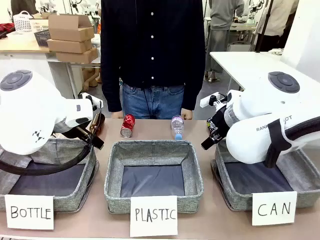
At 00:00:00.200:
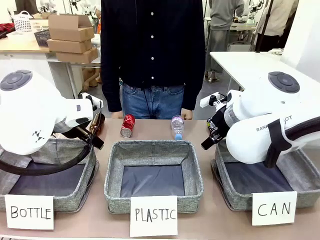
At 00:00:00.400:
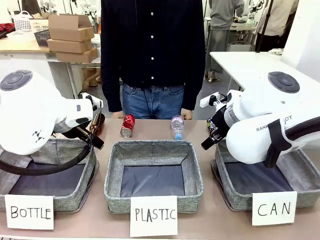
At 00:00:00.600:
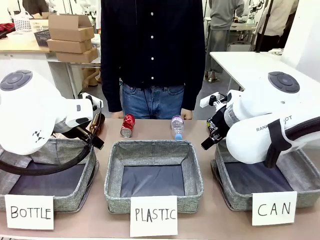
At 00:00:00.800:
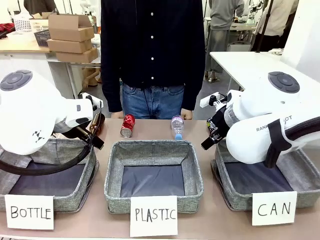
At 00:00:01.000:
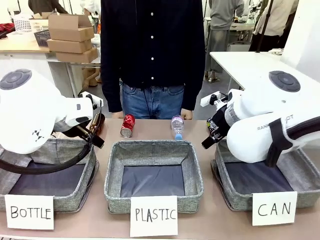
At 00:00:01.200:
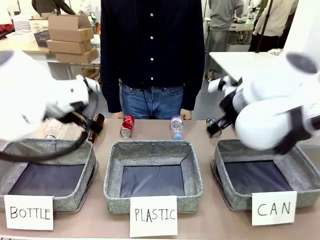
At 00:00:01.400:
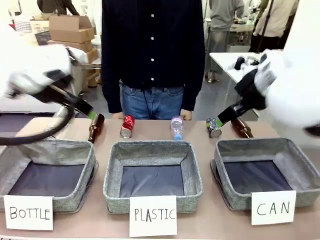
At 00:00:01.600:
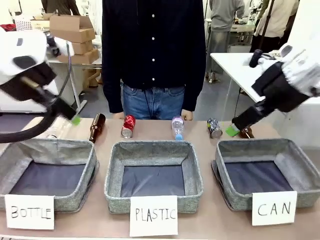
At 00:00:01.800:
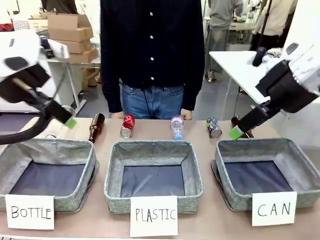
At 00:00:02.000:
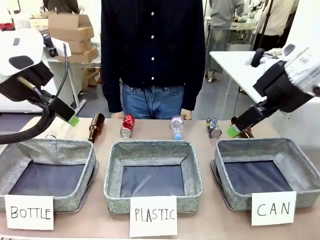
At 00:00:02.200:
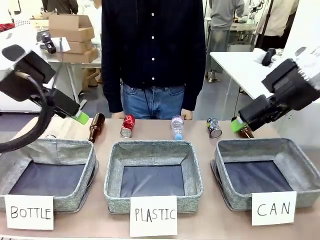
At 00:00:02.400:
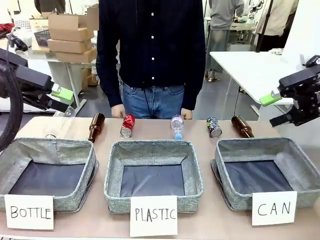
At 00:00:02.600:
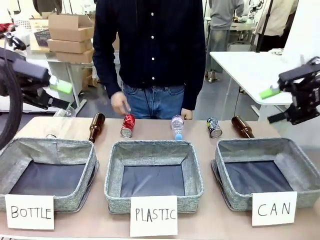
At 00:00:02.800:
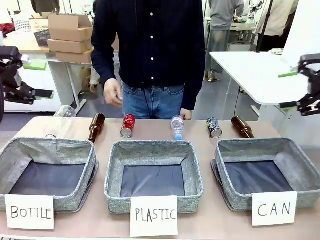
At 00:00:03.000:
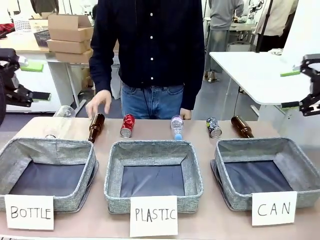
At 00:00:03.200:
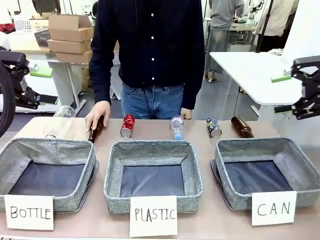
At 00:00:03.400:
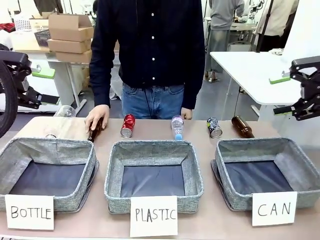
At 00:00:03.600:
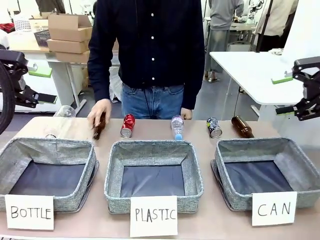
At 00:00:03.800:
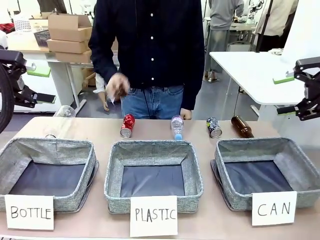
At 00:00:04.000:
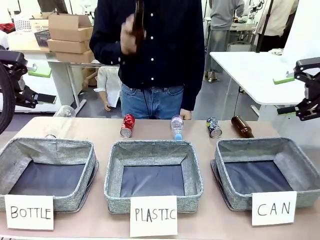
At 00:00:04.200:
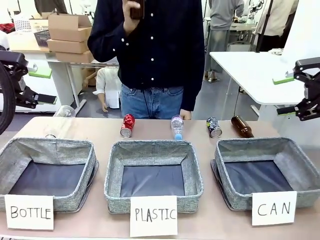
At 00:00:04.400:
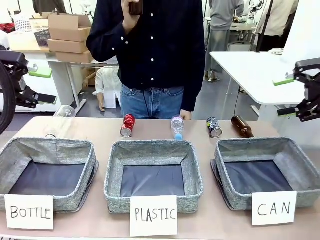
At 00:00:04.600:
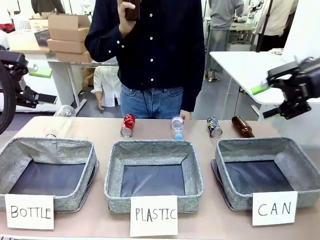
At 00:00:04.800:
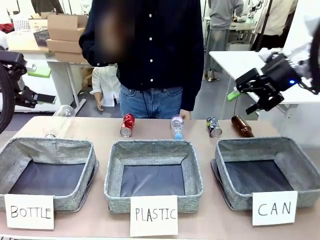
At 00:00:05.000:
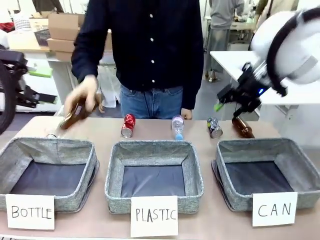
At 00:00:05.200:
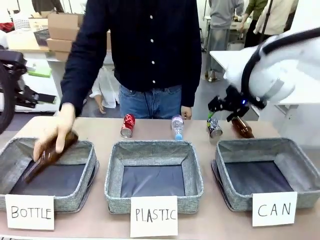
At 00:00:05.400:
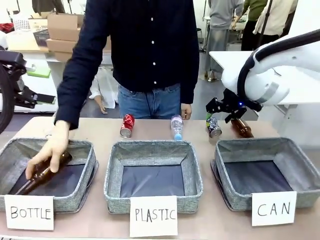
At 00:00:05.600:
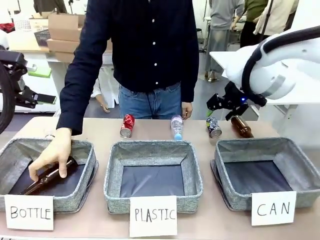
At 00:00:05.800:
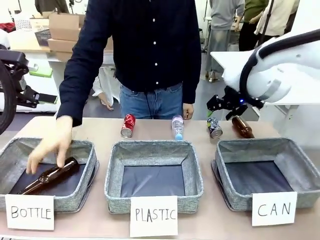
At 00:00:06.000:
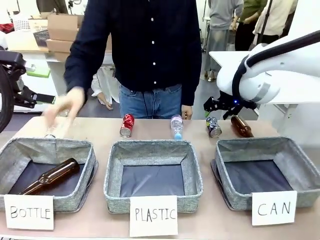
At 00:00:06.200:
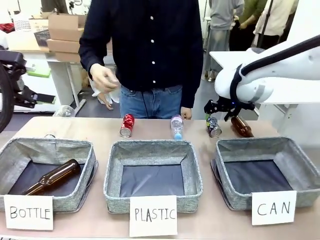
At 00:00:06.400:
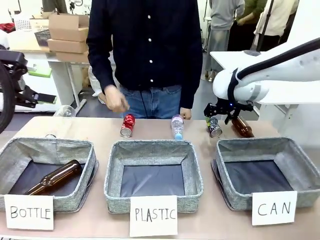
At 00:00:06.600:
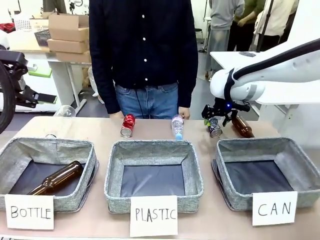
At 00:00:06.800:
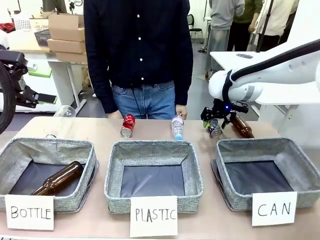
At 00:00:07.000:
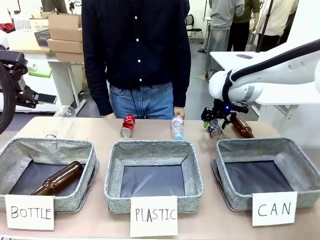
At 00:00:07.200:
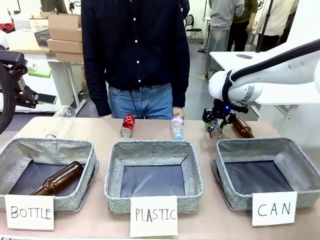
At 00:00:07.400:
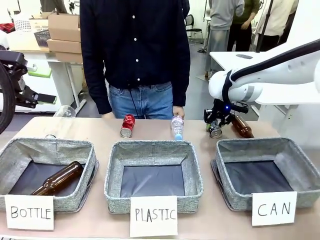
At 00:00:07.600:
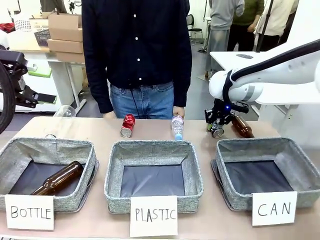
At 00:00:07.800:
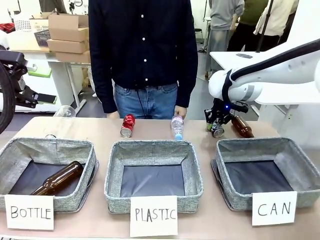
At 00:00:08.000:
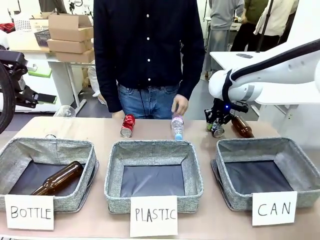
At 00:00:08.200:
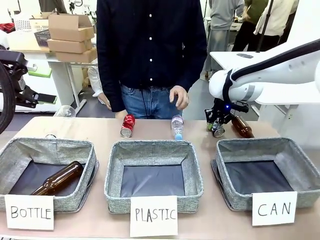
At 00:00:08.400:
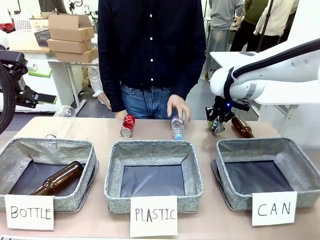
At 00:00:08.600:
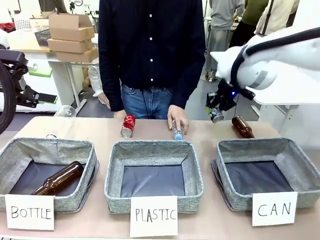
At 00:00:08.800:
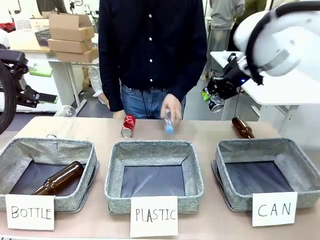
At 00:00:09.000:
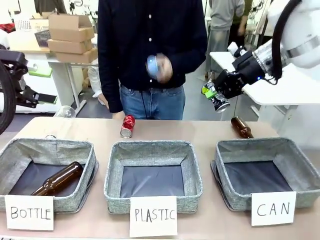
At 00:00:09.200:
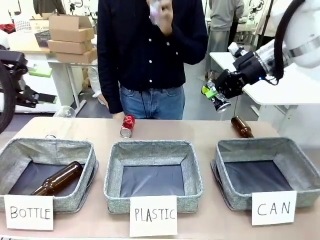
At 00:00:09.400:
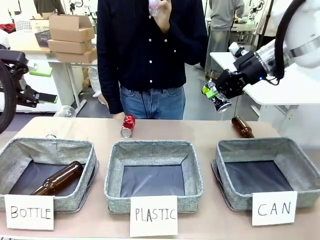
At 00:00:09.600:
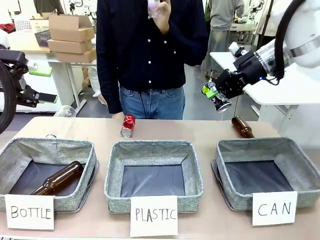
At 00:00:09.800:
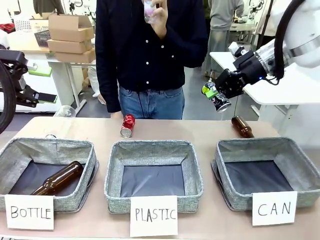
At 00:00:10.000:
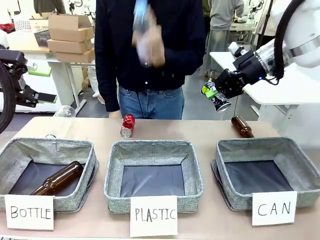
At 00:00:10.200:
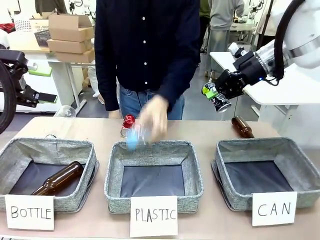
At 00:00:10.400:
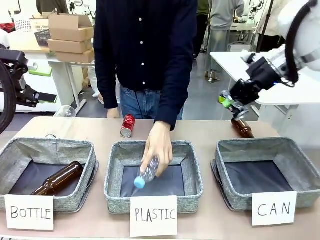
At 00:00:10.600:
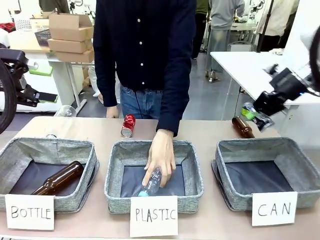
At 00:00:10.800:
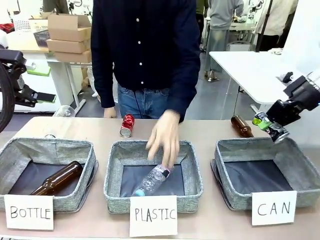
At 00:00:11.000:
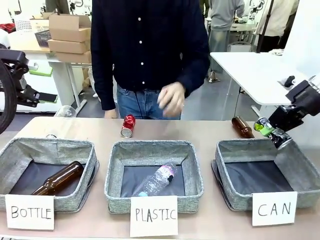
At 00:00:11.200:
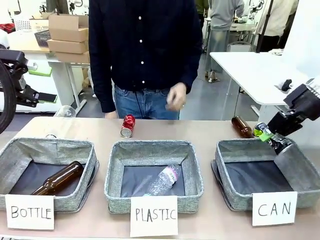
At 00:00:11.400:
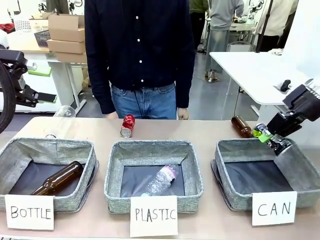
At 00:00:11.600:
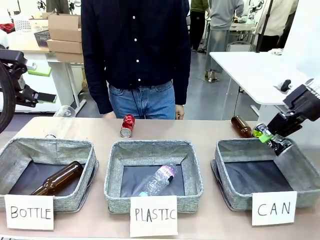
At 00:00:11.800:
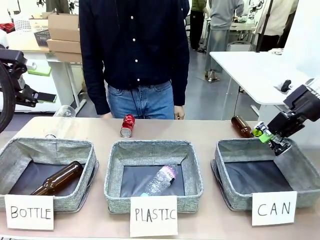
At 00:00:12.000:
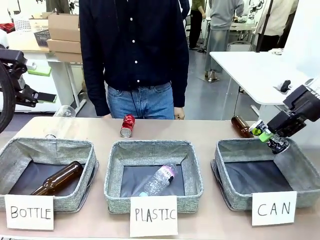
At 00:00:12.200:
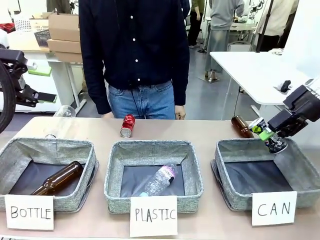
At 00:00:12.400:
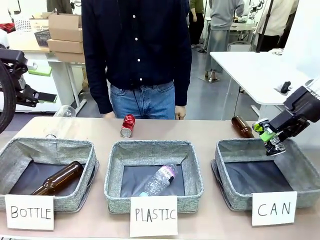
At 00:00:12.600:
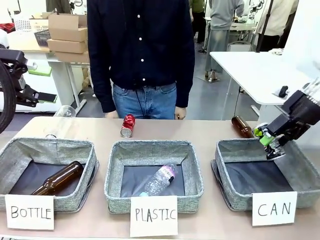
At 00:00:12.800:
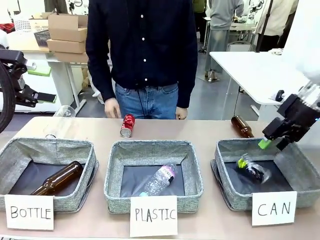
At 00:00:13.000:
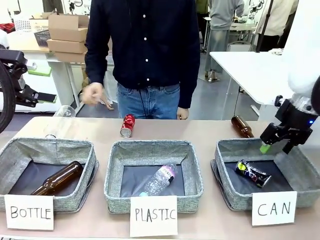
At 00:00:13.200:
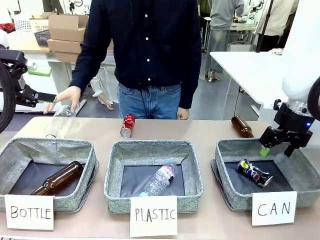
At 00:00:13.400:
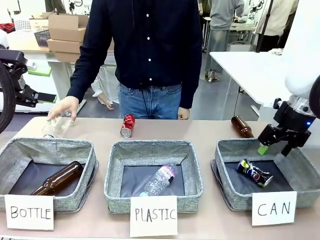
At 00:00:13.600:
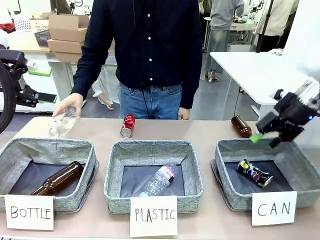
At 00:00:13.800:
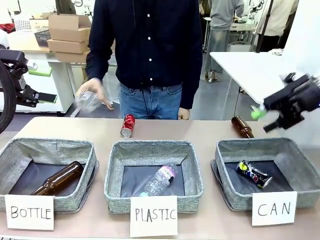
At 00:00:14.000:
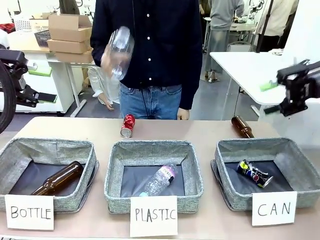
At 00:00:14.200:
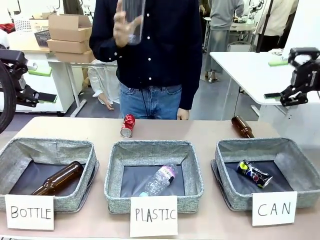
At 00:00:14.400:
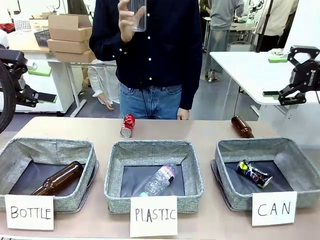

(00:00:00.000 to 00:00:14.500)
Task: Sort the can waste into the basket.
Robot: Pick up the can waste from the table and place it in the right Fabric basket.
